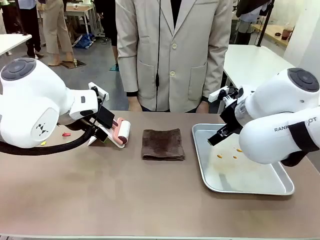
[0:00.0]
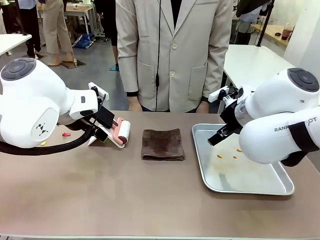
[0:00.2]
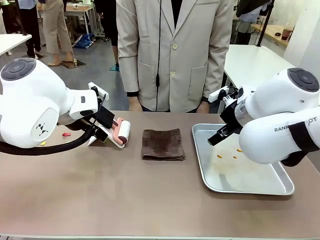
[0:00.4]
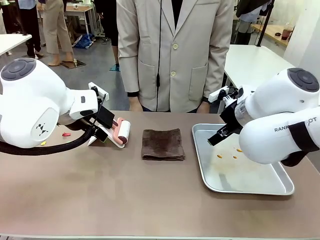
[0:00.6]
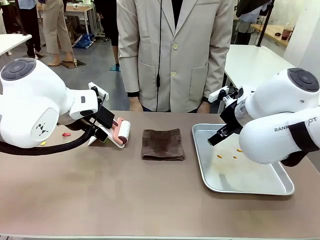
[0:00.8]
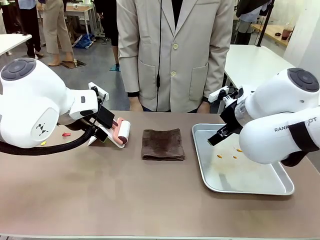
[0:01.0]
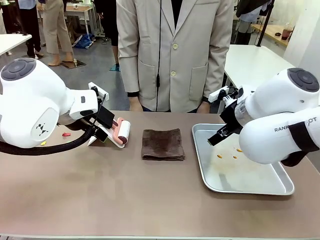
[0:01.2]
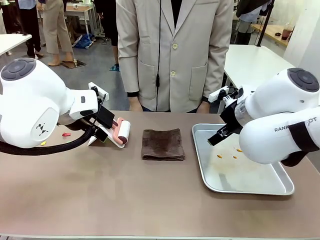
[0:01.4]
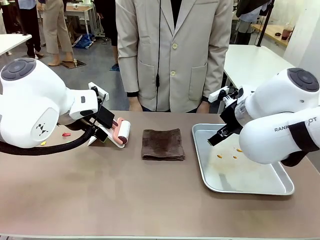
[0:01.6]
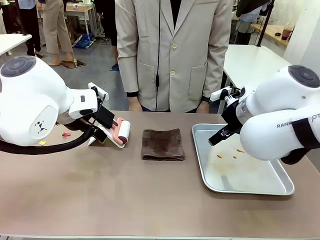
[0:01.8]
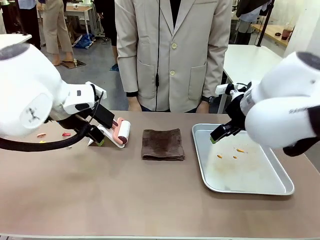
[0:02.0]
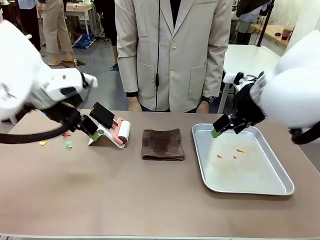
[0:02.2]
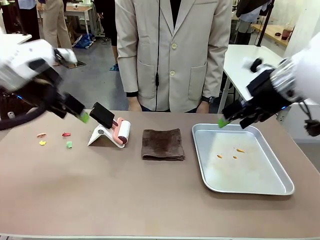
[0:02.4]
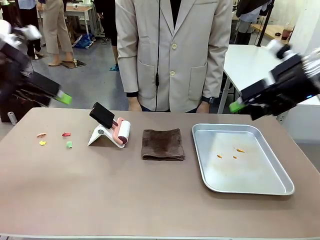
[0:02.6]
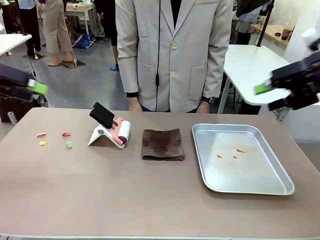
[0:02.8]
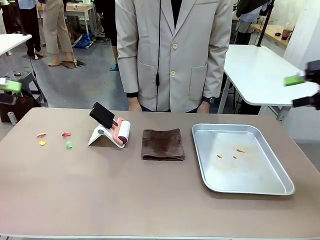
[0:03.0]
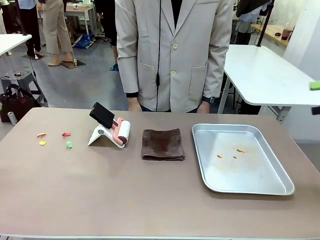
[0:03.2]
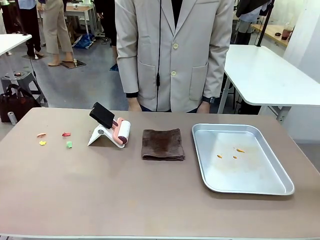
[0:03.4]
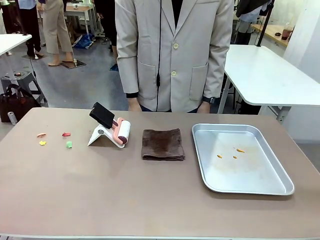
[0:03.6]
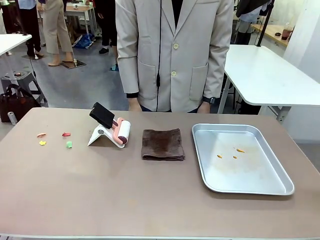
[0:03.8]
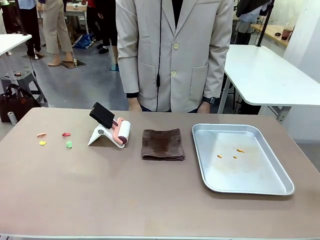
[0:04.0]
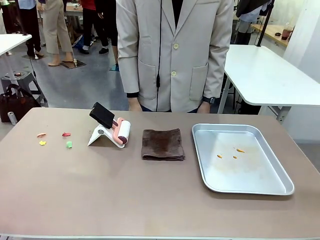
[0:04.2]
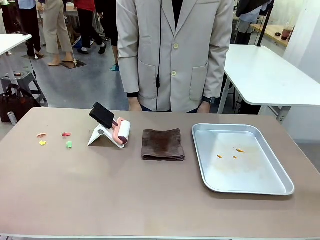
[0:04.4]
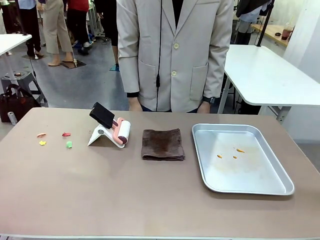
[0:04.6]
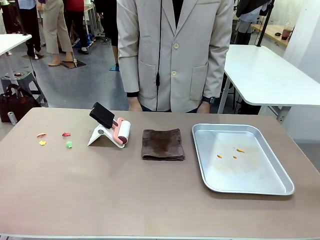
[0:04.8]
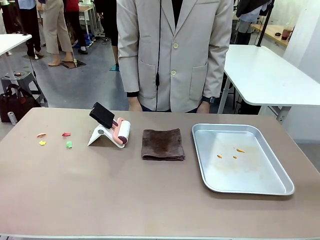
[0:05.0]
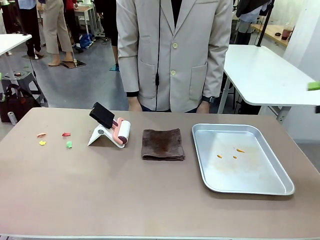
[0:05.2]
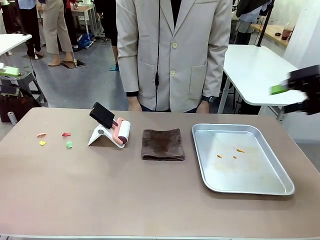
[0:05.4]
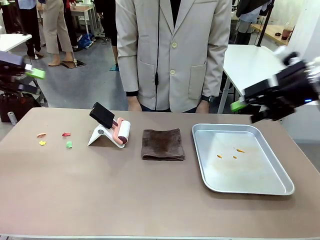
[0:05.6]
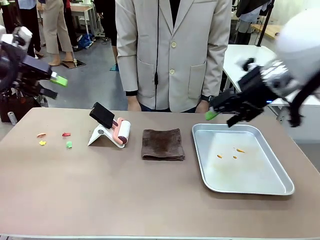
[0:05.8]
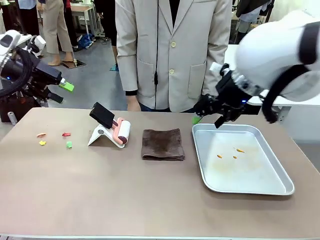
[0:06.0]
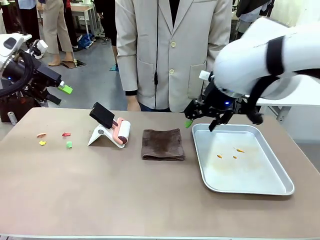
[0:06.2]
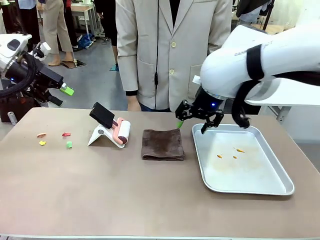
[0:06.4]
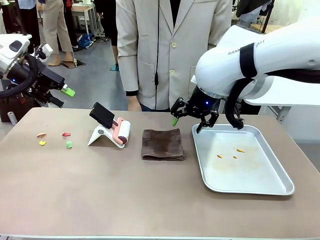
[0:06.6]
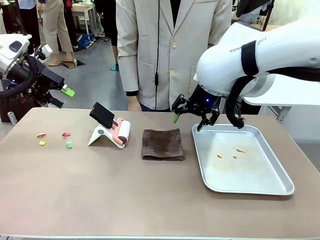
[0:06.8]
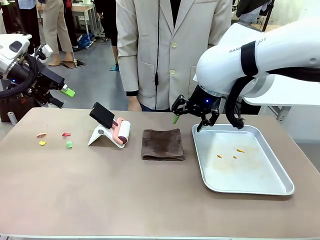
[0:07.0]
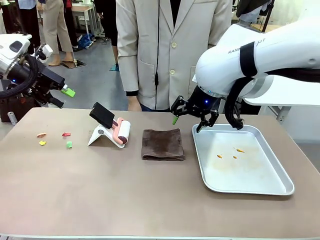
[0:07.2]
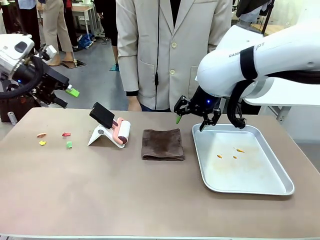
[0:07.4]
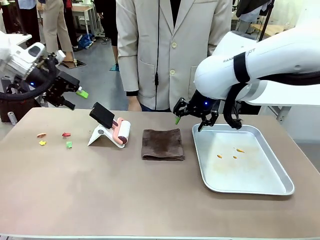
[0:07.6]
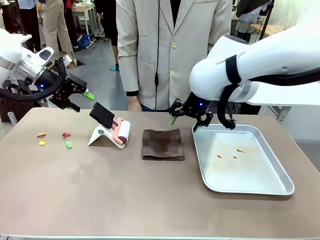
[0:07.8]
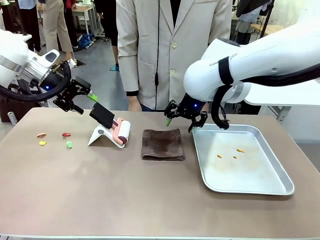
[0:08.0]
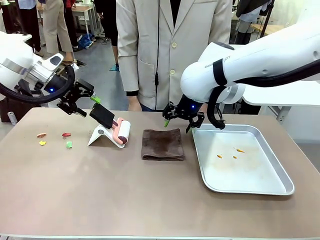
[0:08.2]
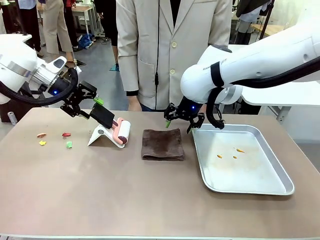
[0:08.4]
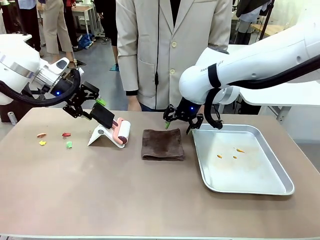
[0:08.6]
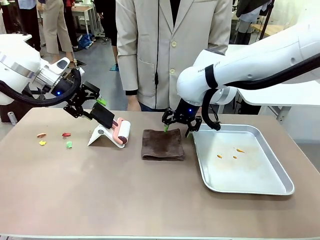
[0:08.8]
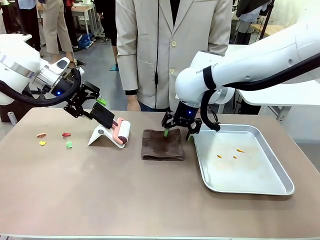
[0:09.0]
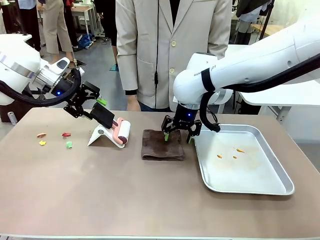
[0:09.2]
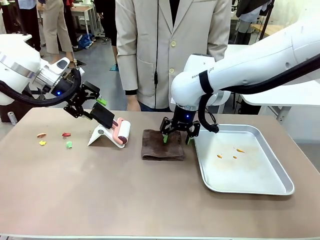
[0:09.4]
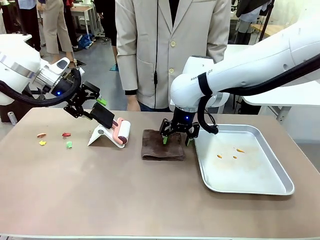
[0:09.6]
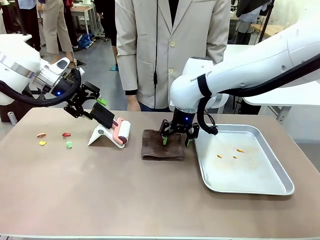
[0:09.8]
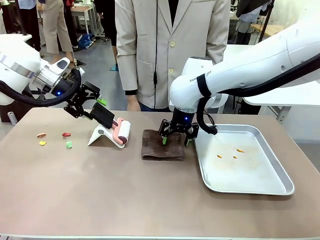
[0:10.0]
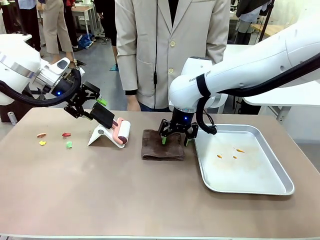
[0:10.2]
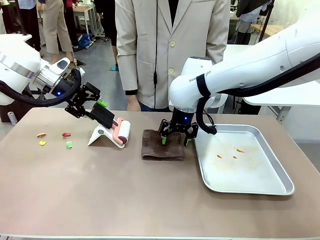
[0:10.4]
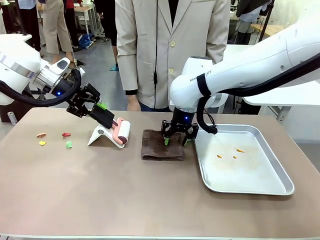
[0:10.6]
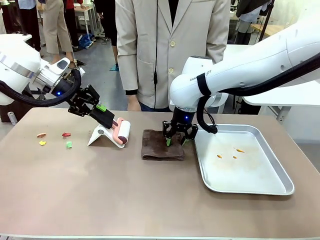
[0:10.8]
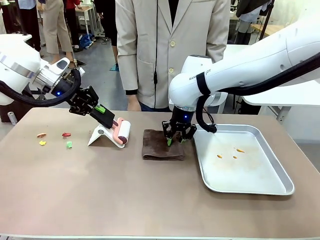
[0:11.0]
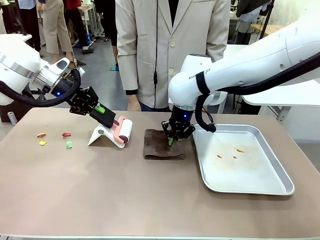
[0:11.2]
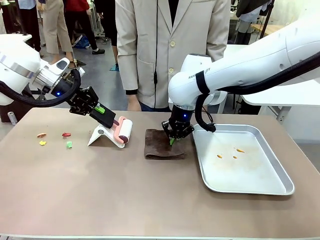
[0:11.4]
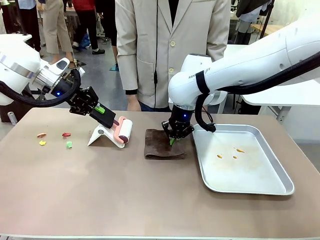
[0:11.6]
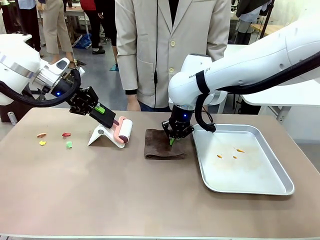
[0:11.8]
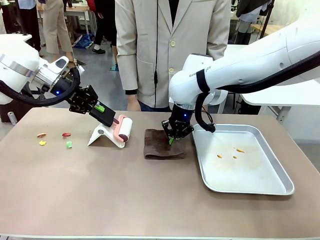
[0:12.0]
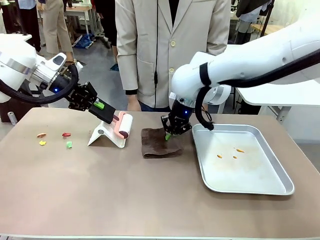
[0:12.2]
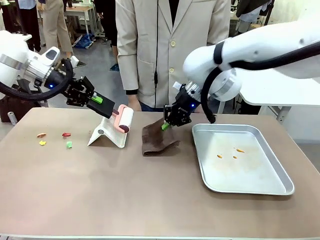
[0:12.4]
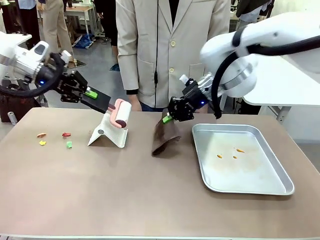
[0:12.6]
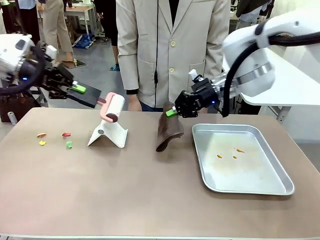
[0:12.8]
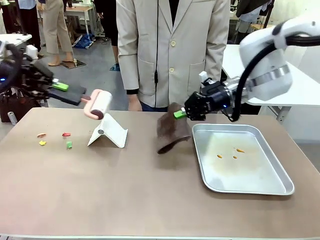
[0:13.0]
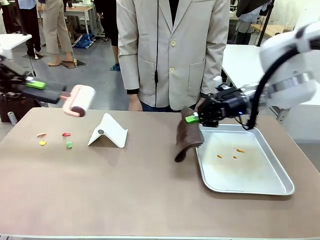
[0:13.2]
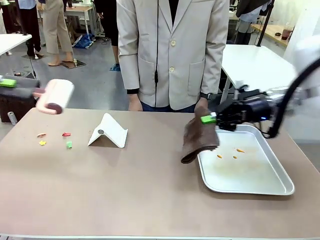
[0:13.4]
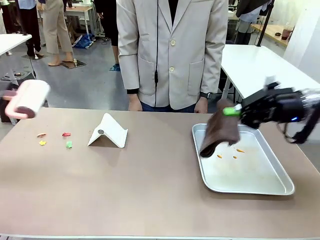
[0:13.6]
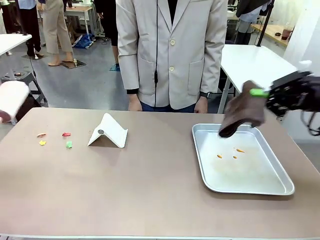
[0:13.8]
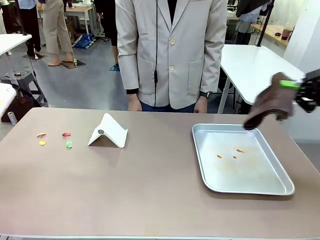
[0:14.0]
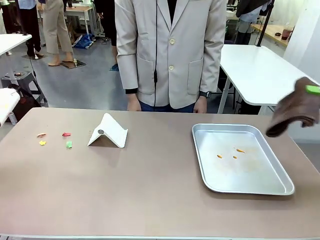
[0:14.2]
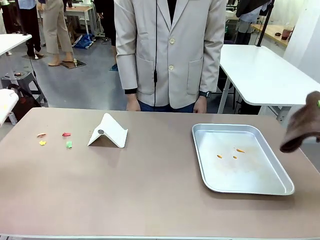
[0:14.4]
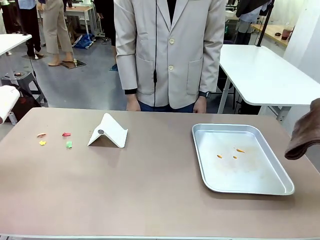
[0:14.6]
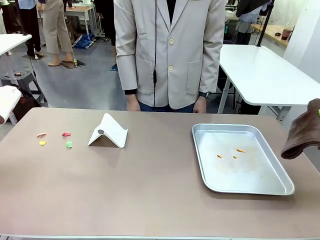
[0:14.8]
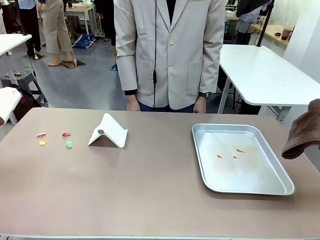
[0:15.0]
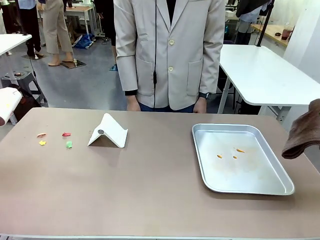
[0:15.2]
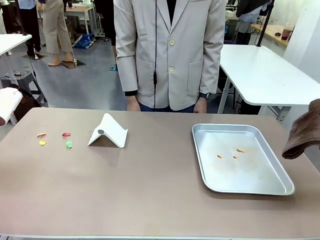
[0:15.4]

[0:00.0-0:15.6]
Task: Clean the surface of the table.
Robot: Hold the Lint Roller with your left hand and the towel with your right hand.
